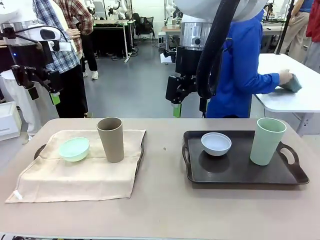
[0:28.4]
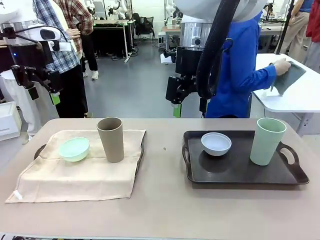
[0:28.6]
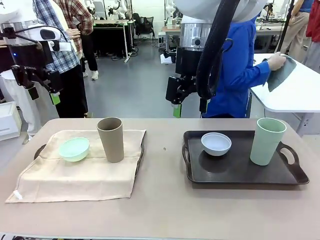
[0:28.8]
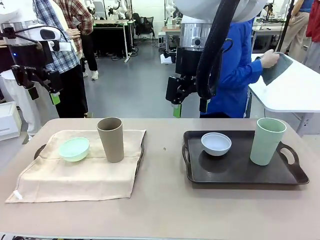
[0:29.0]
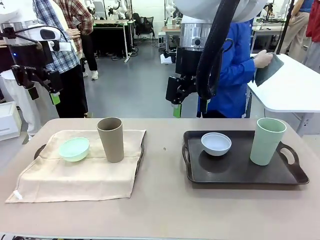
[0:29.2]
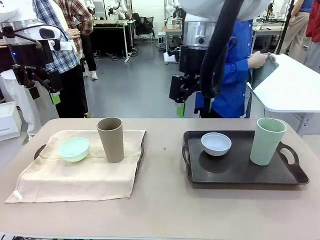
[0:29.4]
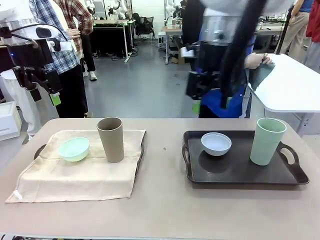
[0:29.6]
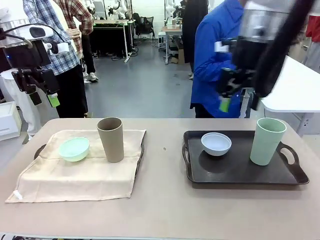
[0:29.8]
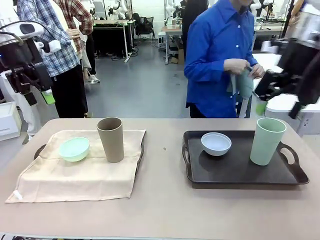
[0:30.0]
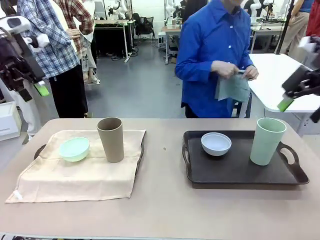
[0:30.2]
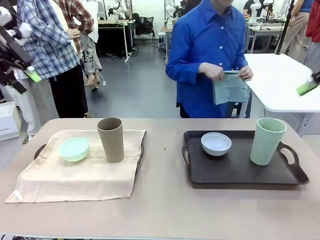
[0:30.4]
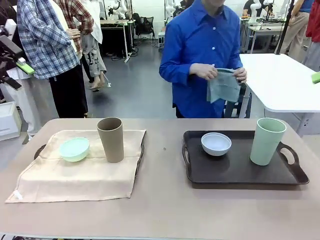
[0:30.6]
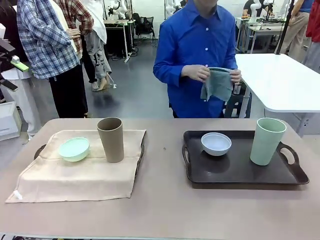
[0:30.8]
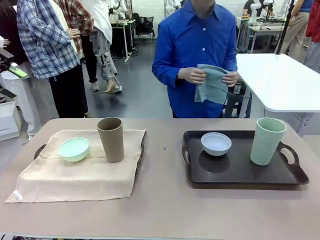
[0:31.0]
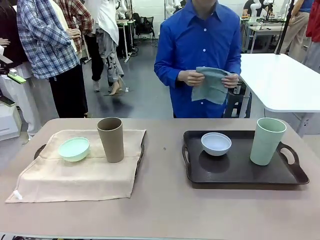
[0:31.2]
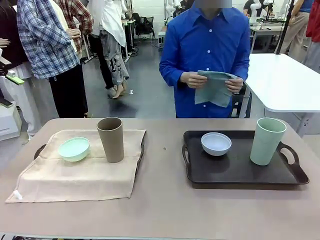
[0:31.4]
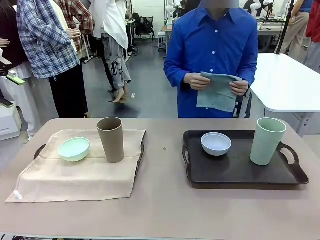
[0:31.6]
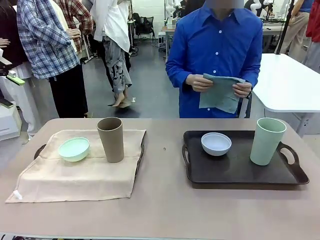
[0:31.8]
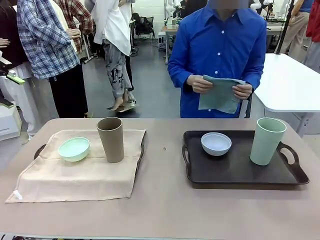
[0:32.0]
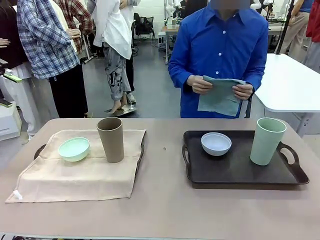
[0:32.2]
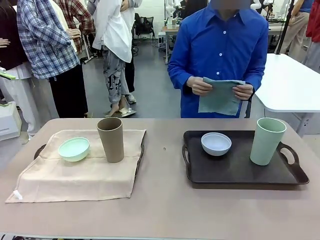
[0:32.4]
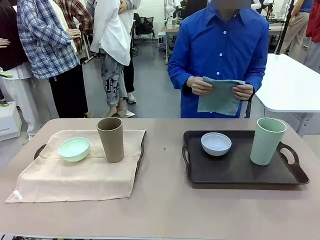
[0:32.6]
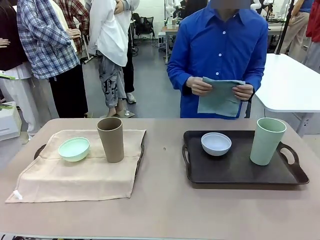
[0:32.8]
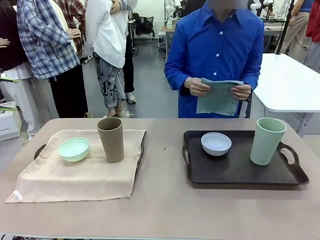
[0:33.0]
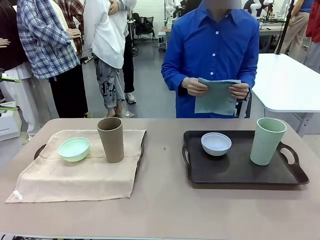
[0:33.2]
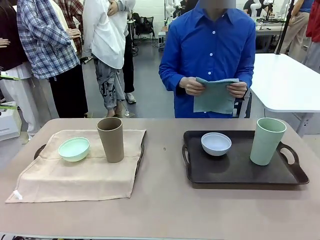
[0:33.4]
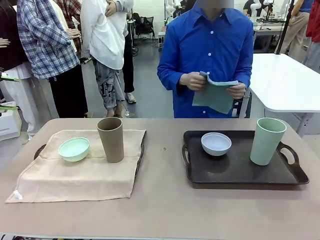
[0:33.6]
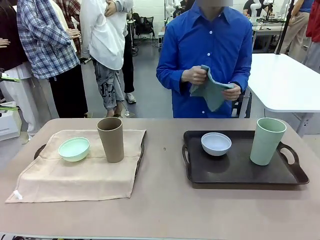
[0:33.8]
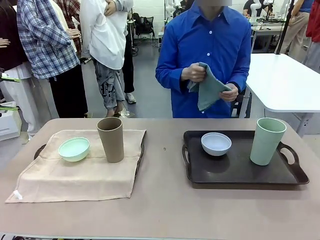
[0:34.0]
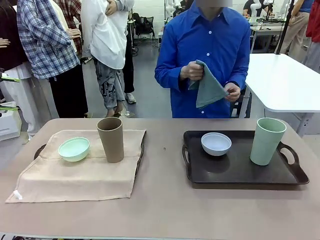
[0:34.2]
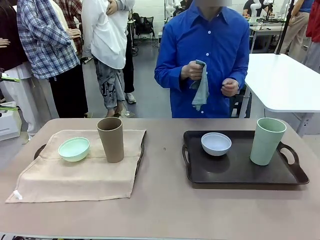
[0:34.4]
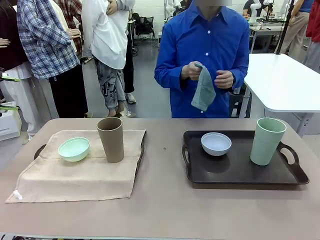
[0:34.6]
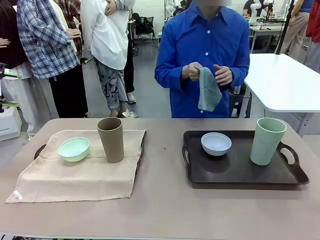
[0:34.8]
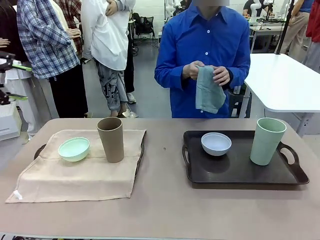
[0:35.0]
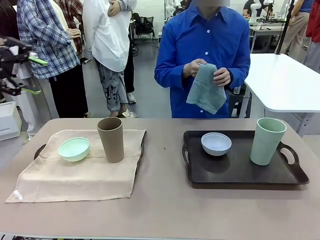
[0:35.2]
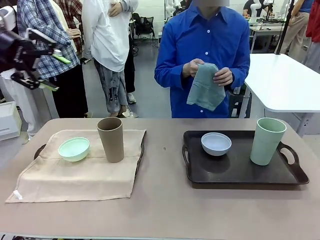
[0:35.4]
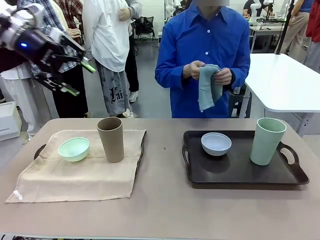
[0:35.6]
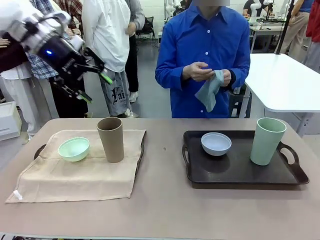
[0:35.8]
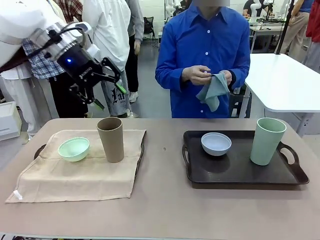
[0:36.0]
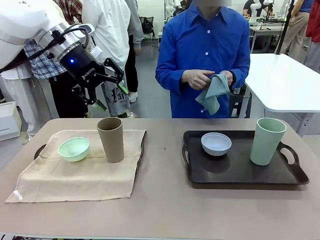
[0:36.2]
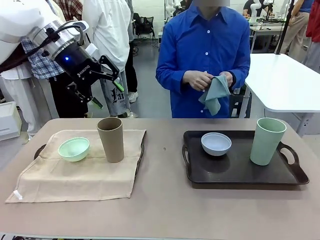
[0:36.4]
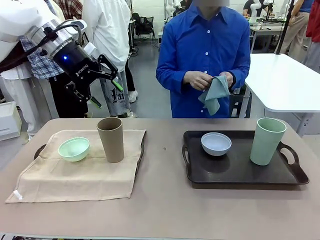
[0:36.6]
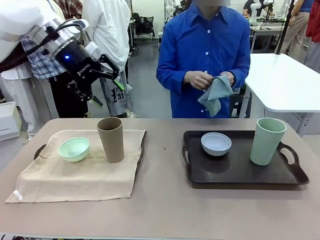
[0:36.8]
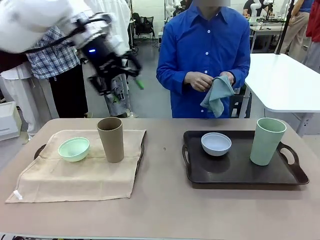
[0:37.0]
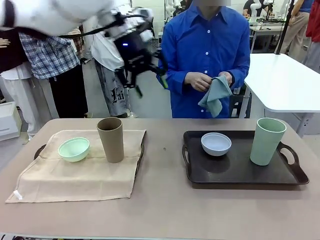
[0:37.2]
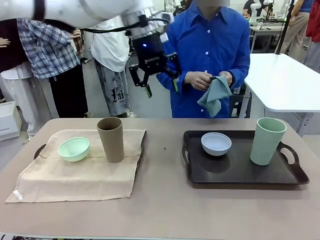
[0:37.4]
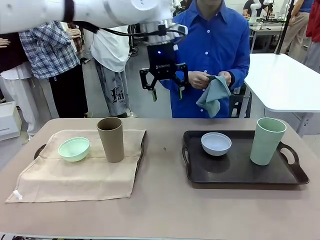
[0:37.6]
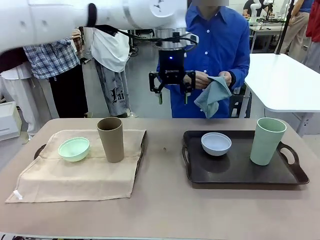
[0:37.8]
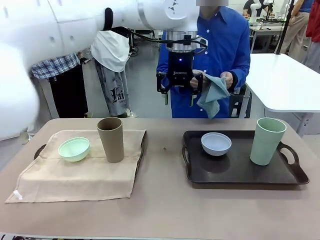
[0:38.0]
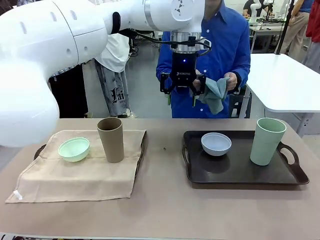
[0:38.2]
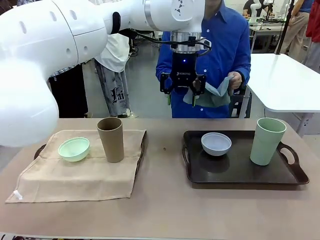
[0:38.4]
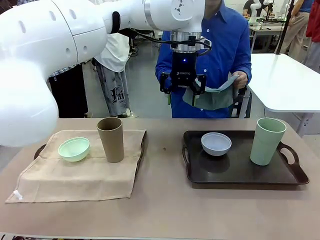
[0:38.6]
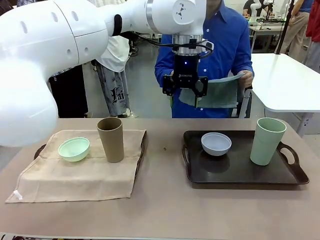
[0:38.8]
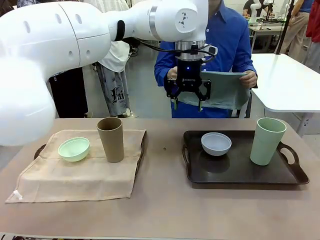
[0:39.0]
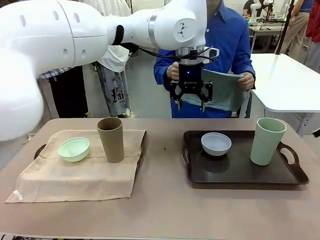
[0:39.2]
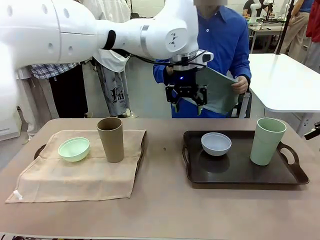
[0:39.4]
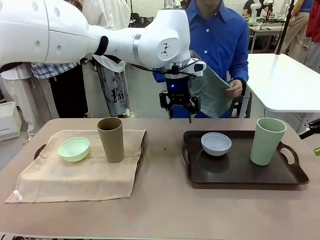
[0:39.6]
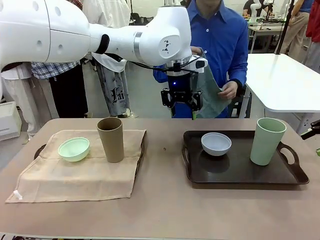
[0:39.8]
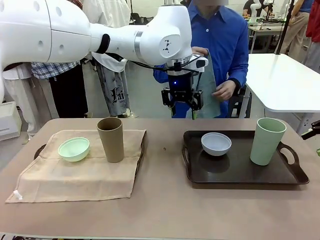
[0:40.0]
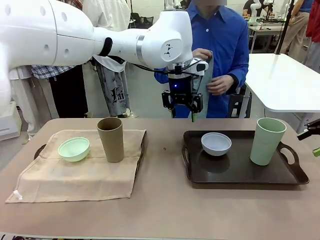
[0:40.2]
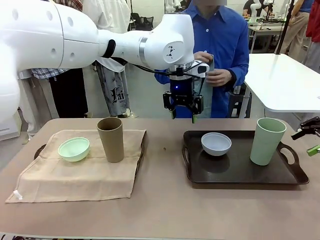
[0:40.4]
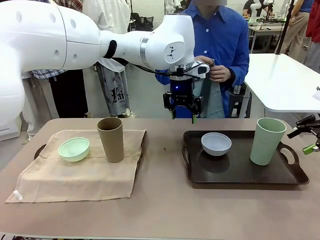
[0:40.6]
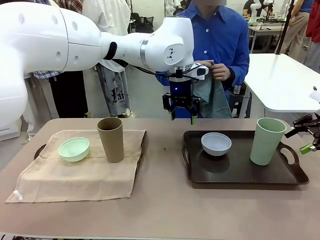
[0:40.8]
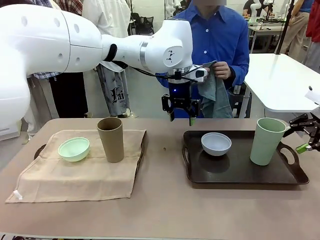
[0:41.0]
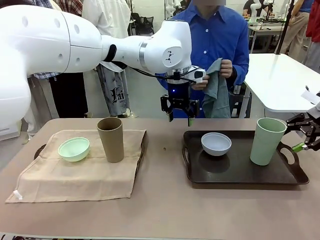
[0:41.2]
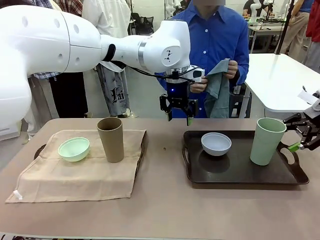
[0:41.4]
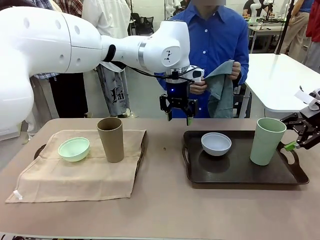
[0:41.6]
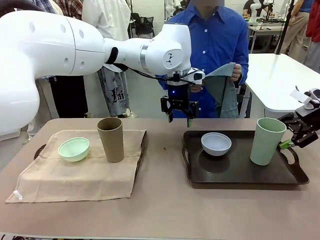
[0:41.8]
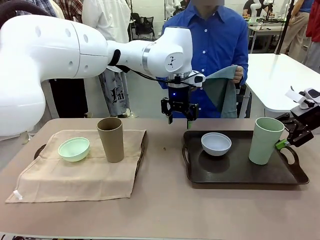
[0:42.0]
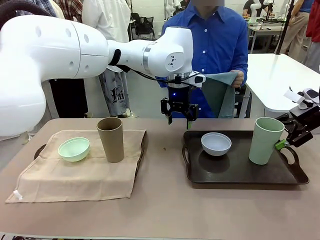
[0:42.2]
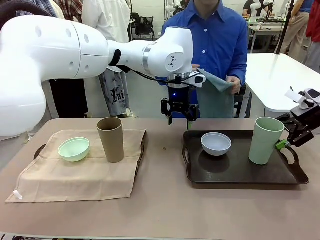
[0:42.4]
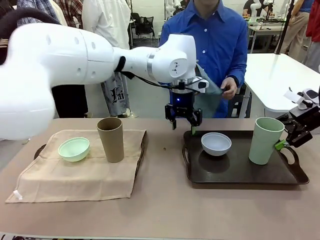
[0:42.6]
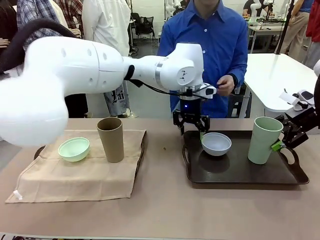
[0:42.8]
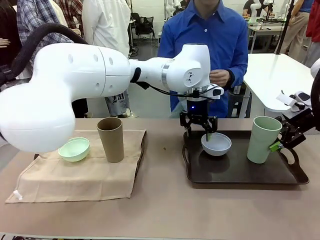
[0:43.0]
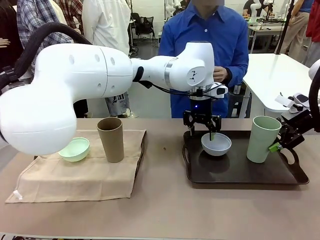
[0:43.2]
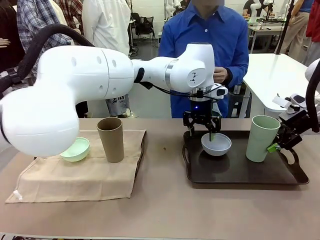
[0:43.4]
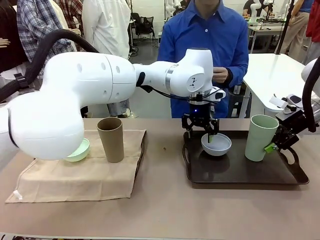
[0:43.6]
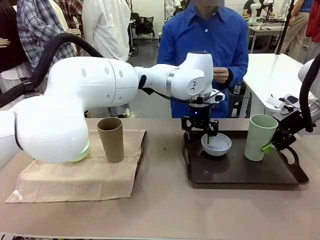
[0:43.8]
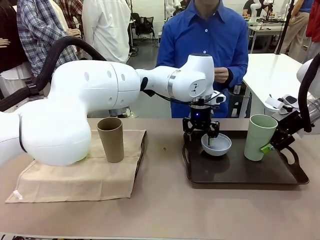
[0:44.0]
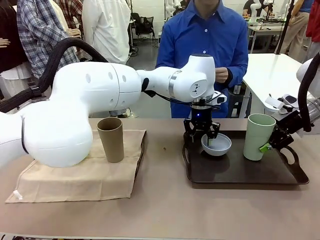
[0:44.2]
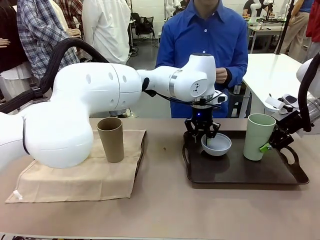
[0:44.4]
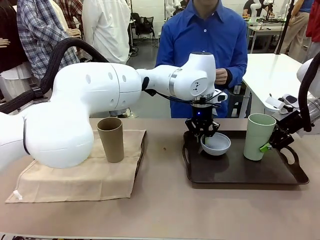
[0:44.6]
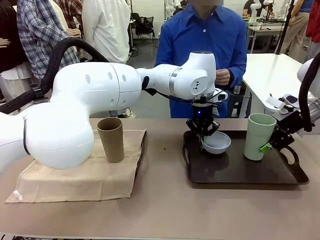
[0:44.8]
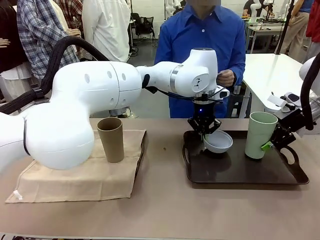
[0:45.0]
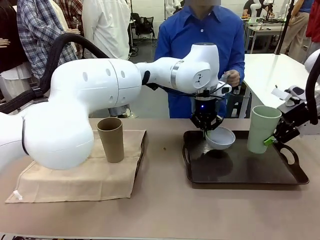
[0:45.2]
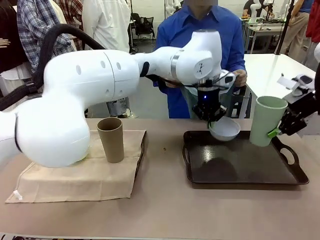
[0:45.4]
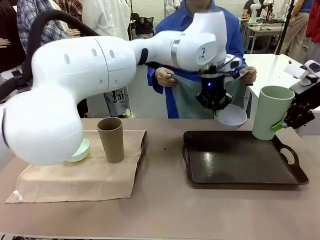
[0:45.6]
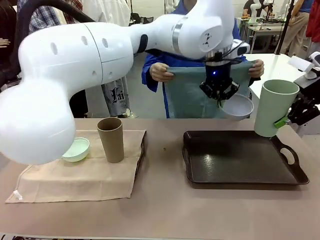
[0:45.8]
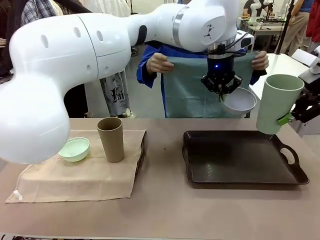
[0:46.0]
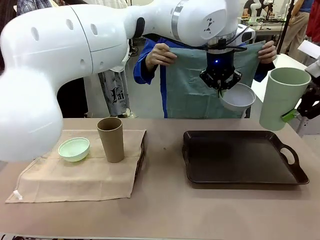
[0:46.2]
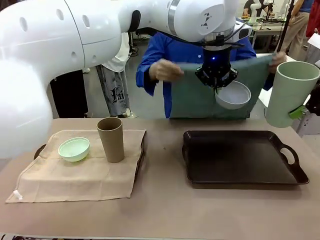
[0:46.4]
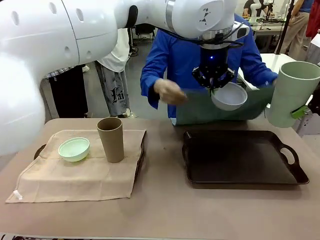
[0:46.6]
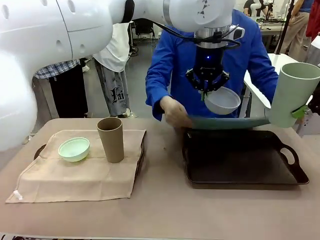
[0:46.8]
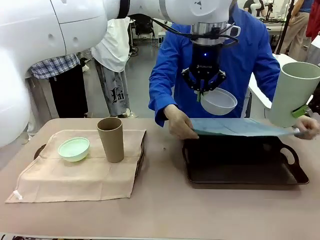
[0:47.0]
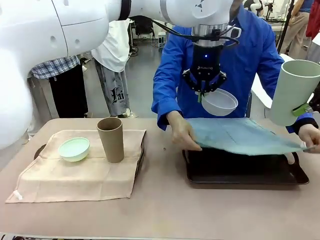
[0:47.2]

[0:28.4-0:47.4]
Robot: Pick up the Picnic Bowl and Reusable plastic cup from the Handle tray in front of the human's position and hold them in the air.
Person: When the robot lifts the bowl and the cup, the human unfolds the napkin and lays the napkin flat on the tray.
